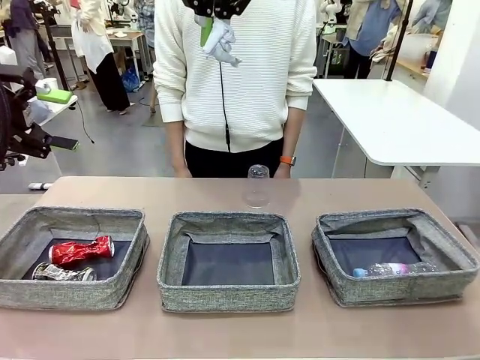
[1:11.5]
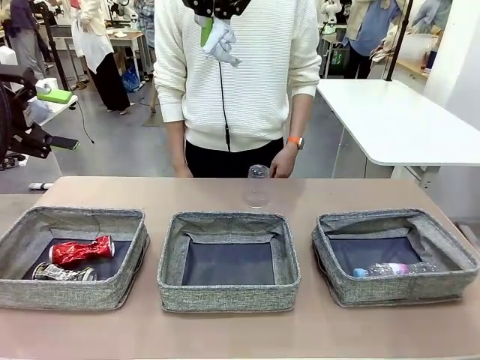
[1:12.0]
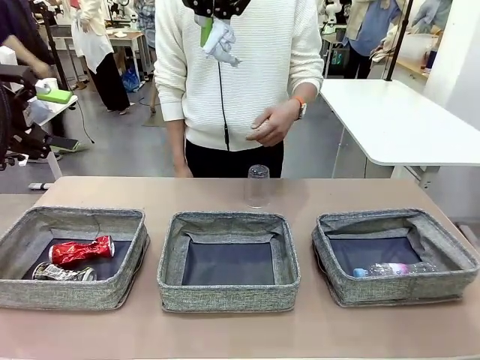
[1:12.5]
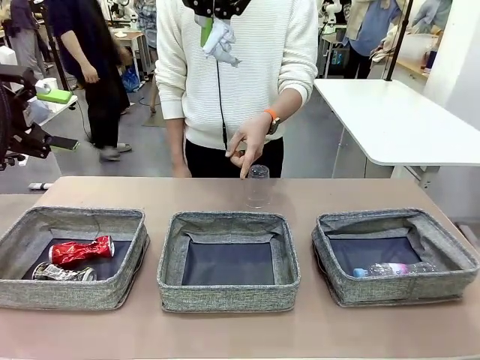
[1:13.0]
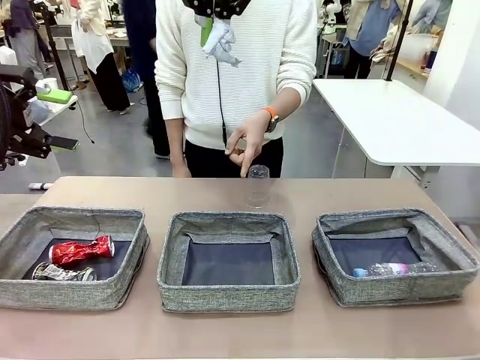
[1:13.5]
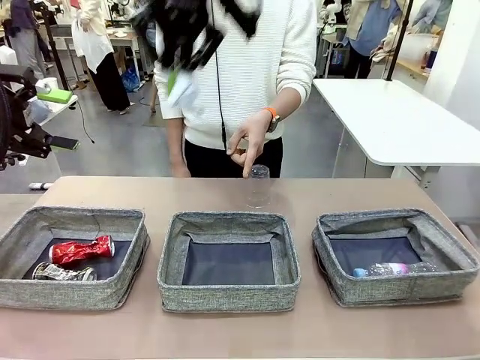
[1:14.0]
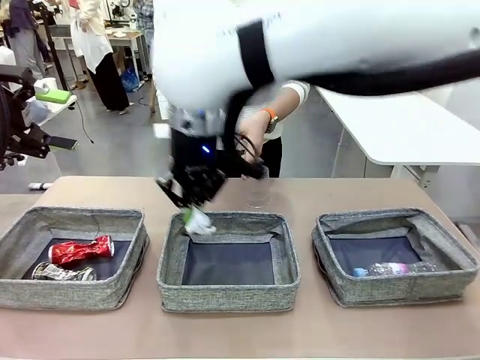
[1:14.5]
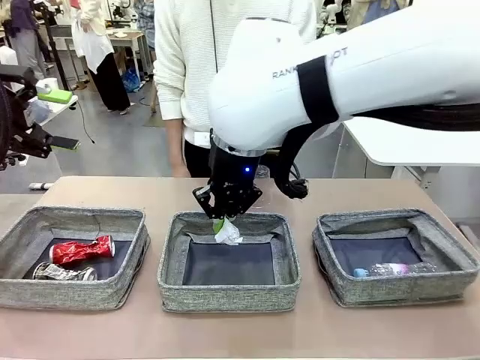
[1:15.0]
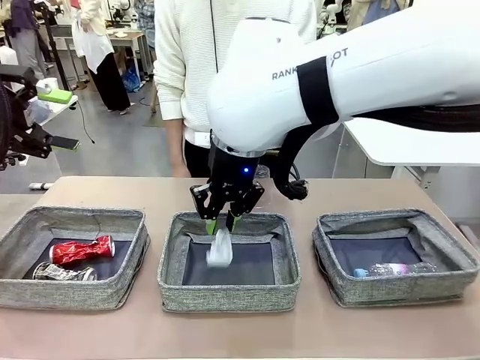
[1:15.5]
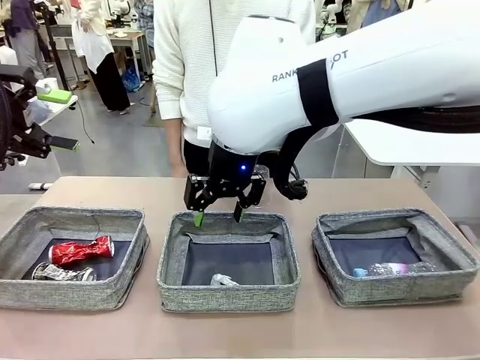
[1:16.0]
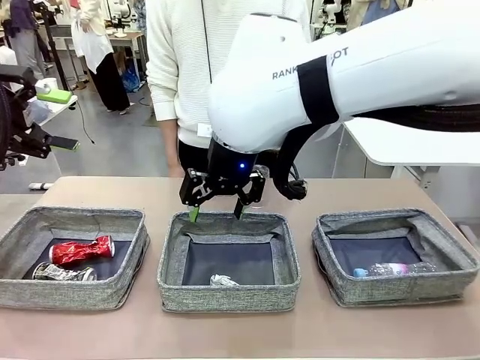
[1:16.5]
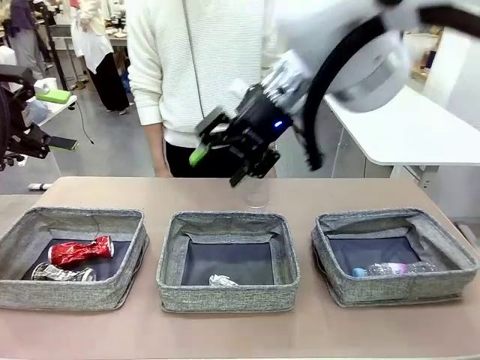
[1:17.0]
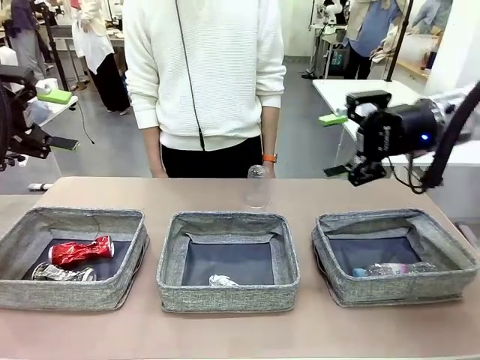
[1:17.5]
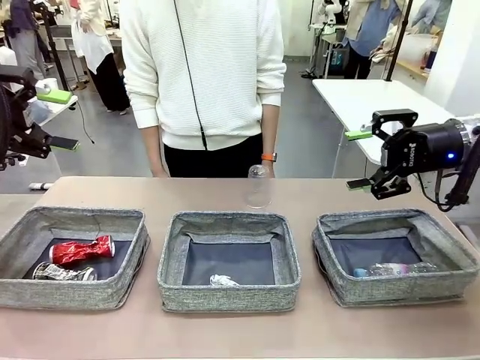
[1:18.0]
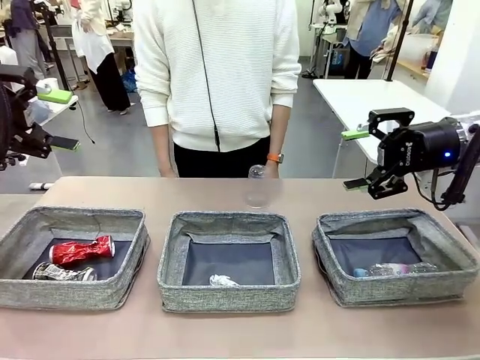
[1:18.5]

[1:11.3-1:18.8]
Task: Sort the waste into the appropriate baskets.
Robot: Place the picked waste into the Fabric basket indicated by the person.
Person: Instructs the robot to place the picked-up trash into the appropriate organizing basket.

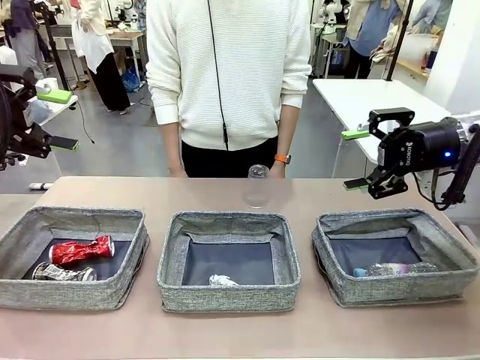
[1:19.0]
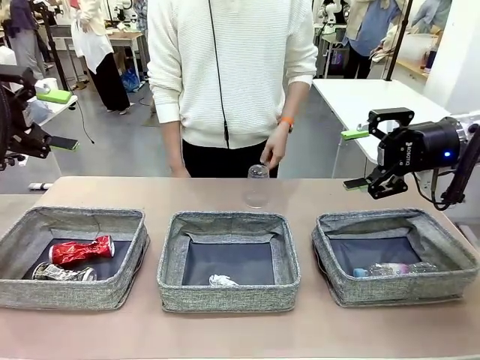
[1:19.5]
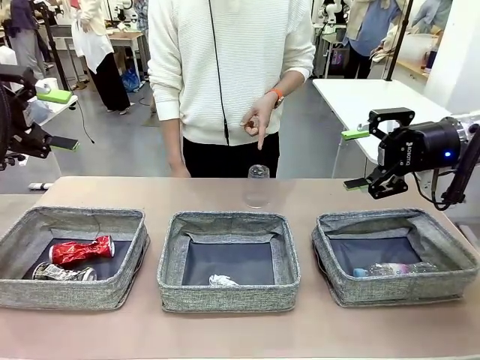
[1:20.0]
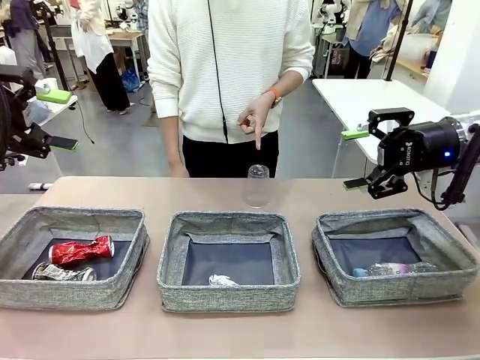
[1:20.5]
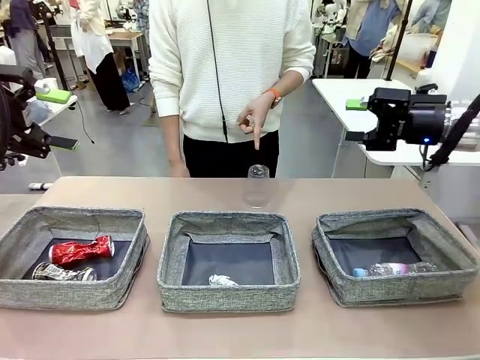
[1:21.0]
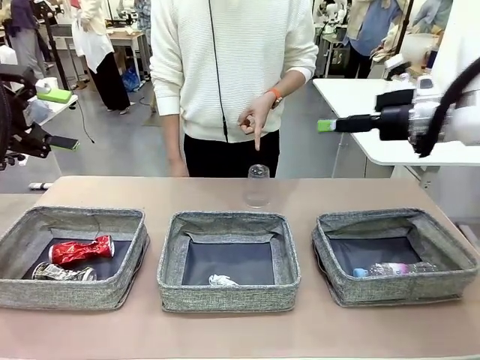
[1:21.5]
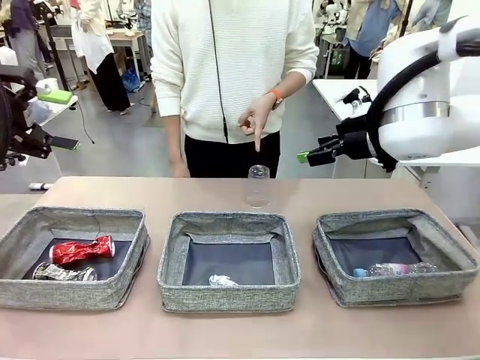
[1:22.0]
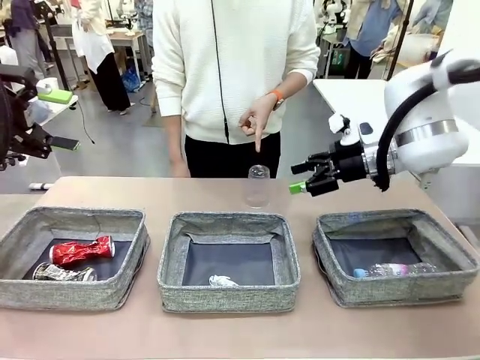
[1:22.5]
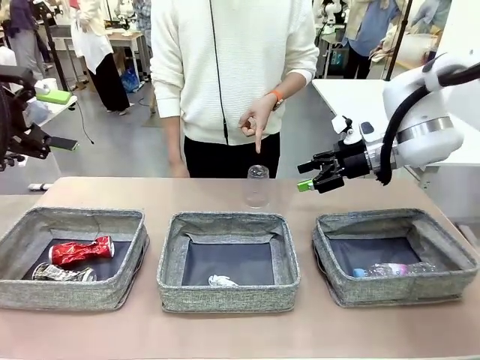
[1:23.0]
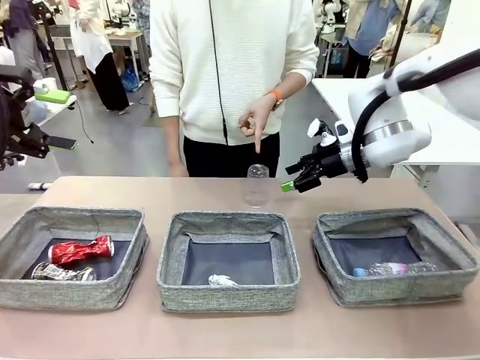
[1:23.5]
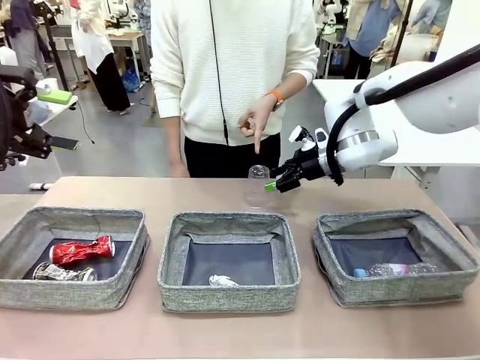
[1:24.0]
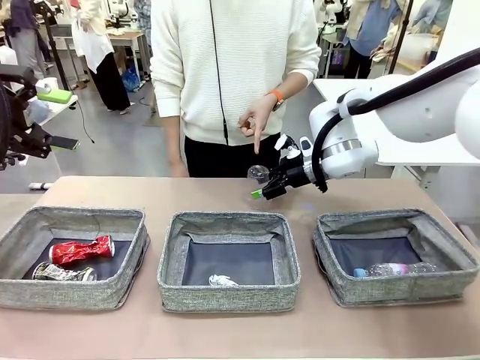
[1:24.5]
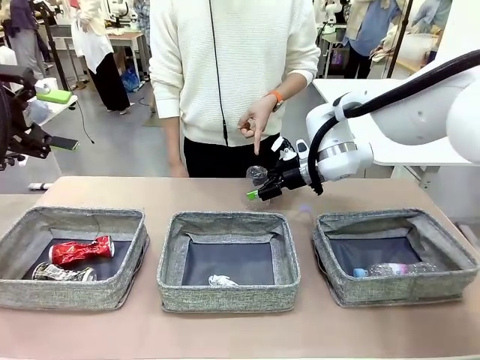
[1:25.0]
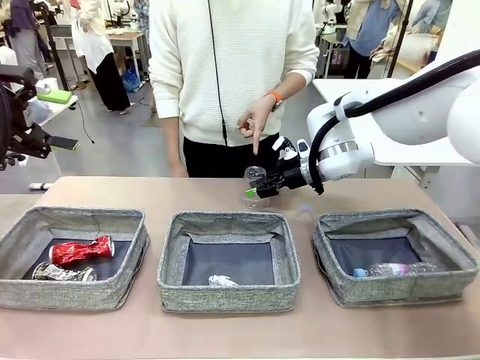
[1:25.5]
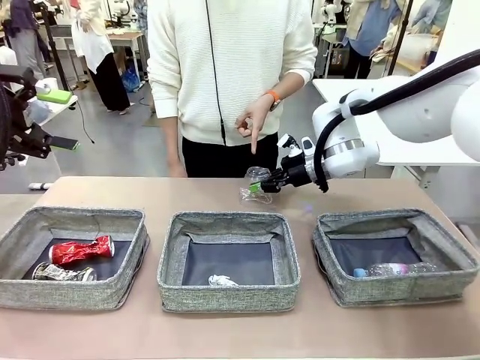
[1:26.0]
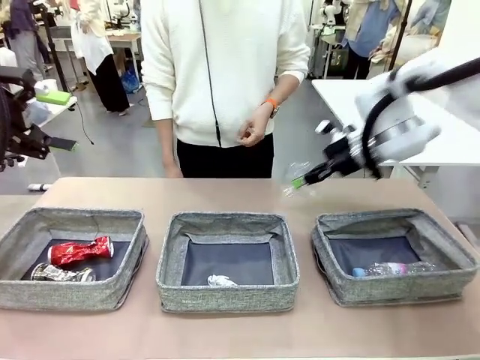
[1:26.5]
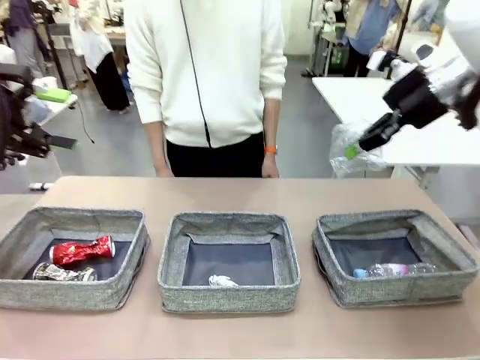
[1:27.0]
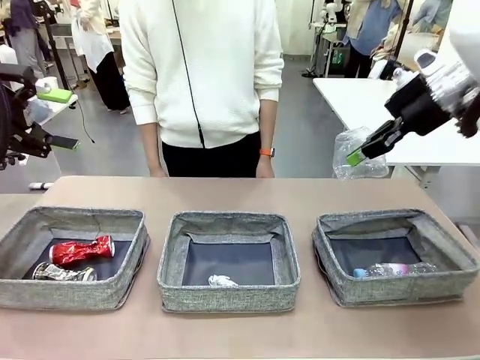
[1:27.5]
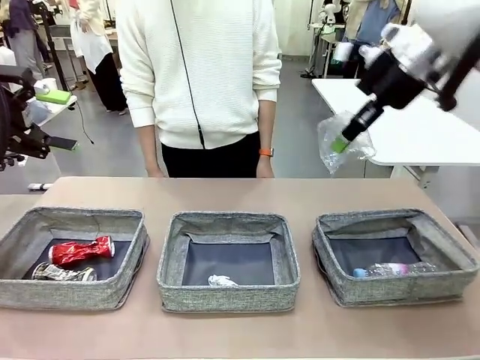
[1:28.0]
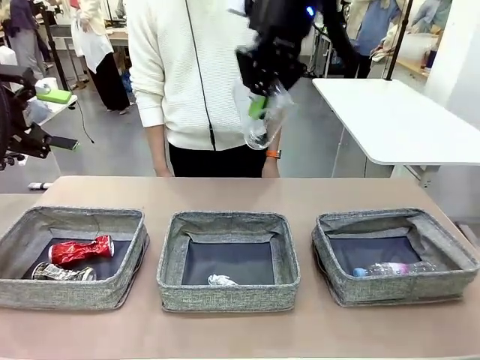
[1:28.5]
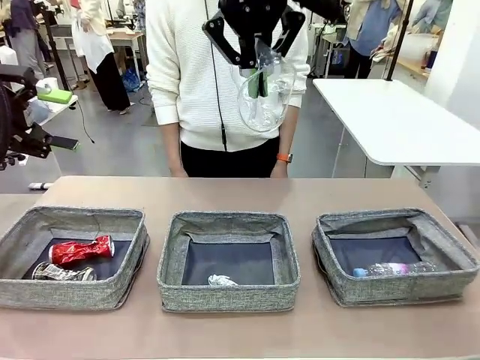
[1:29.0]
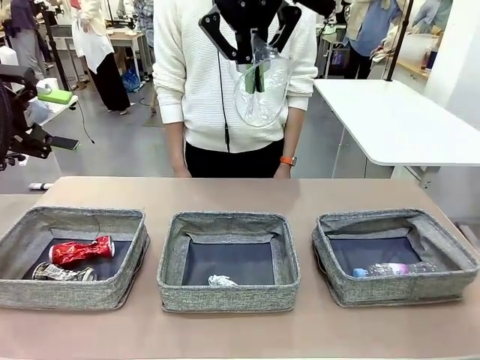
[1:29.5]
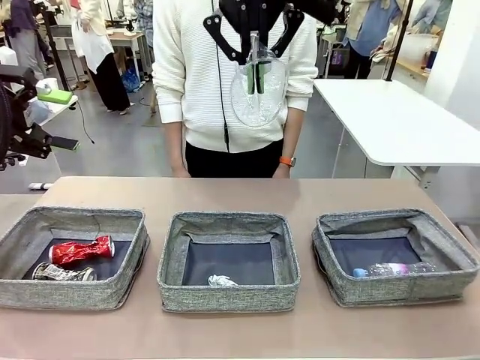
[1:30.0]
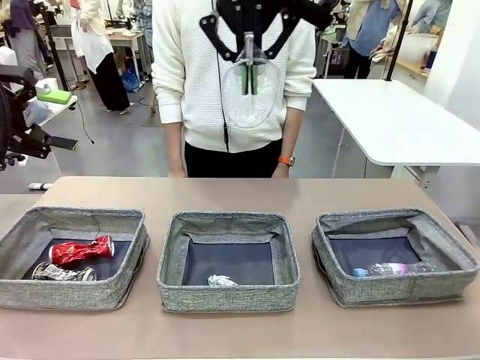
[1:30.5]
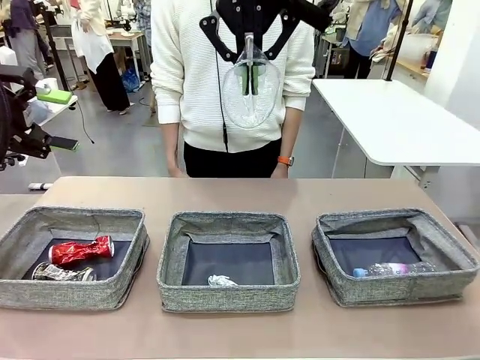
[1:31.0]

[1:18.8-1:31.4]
Robot: Pick up the waste item pointed out by the person.
Person: Points to one piece of trash on the table.

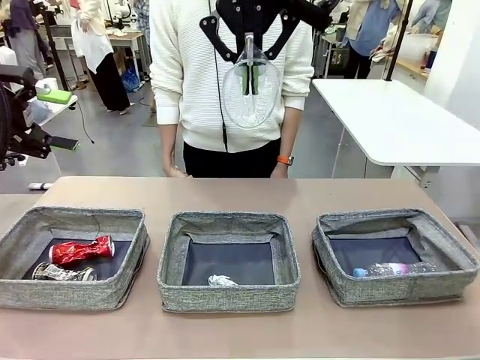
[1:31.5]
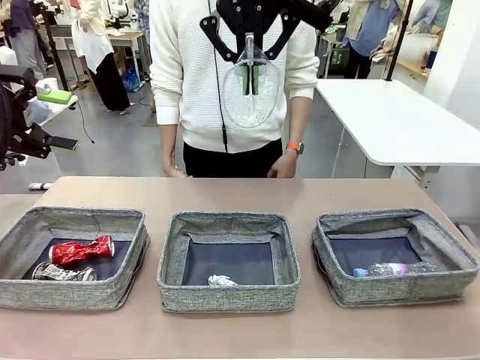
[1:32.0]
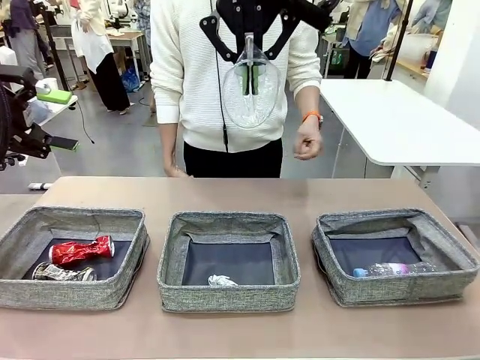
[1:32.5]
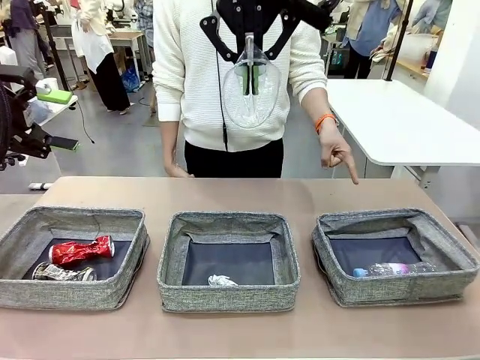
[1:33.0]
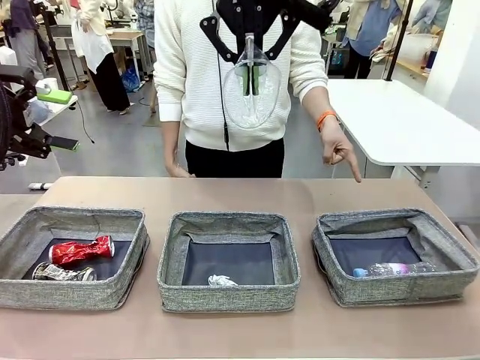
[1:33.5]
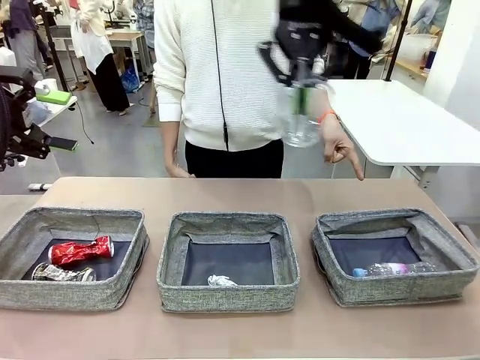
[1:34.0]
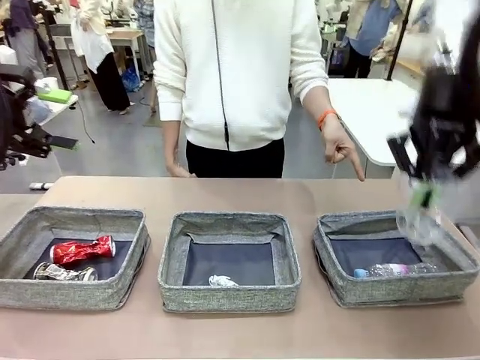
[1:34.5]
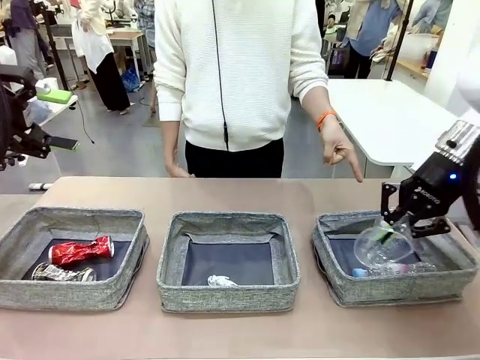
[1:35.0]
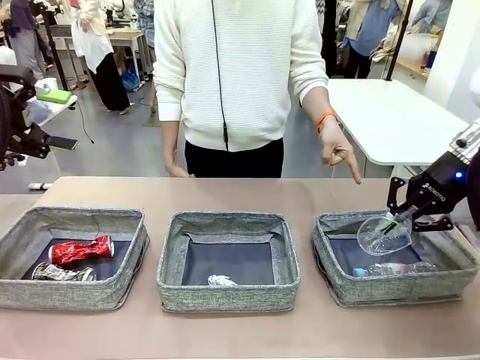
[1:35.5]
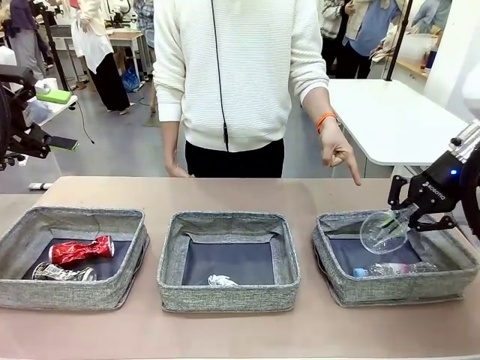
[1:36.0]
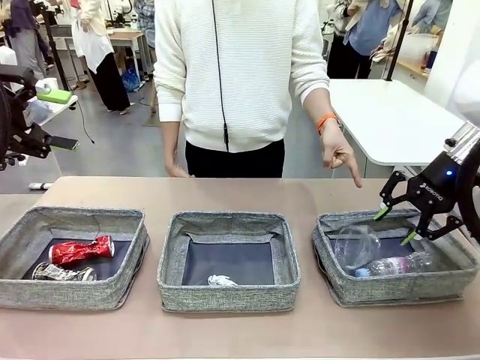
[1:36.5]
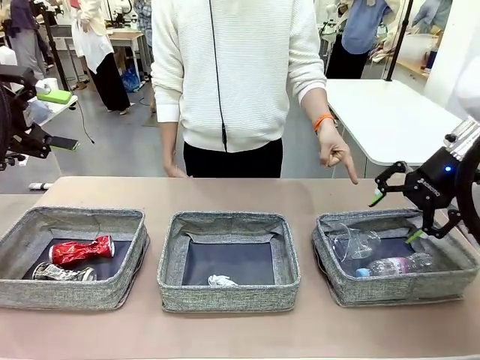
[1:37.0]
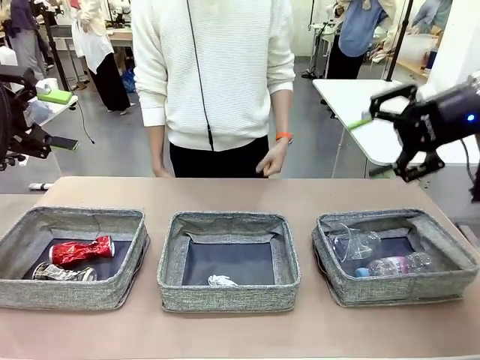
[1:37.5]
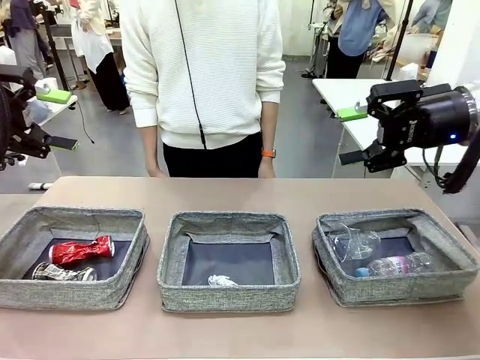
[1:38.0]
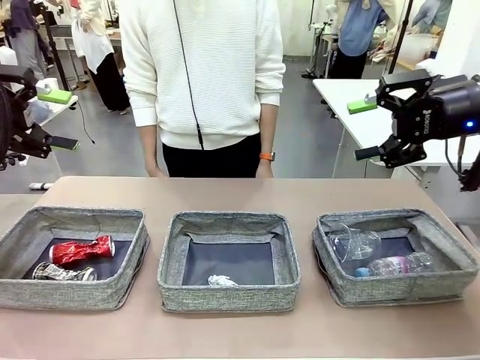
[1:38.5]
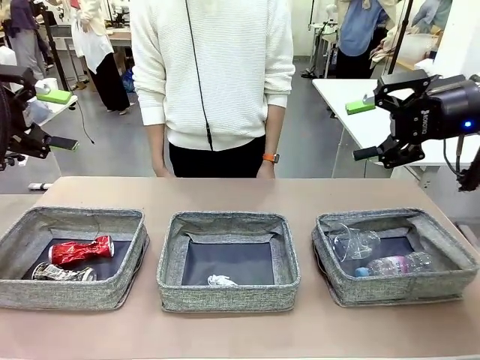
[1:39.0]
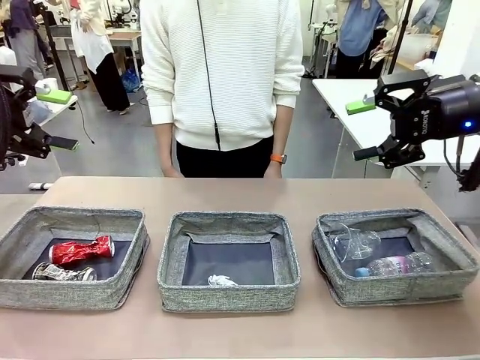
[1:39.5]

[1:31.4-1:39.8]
Robot: Place the picked waste into the Fabric basket indicated by the person.
Person: Instructs the robot to place the picked-up trash into the appropriate organizing basket.
